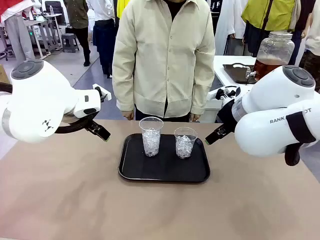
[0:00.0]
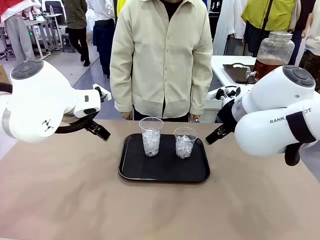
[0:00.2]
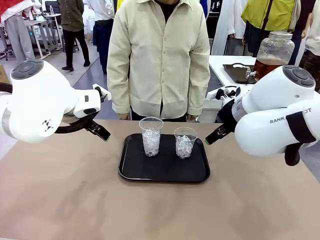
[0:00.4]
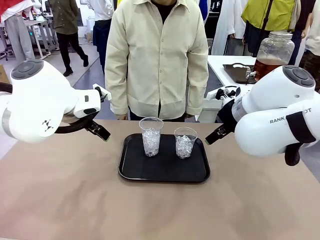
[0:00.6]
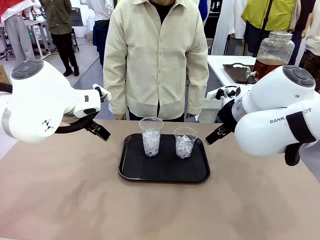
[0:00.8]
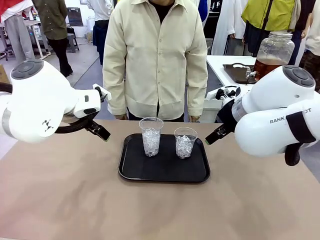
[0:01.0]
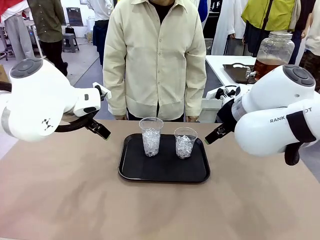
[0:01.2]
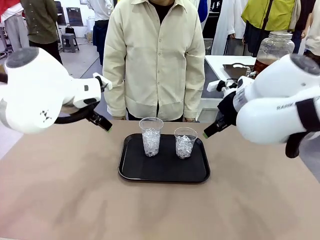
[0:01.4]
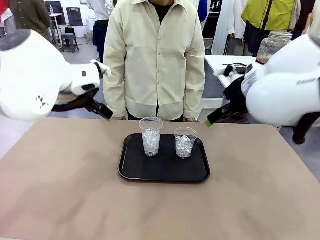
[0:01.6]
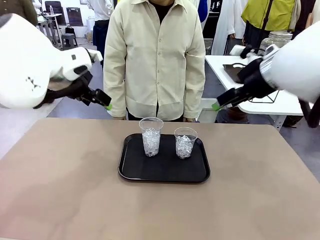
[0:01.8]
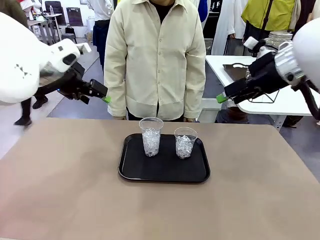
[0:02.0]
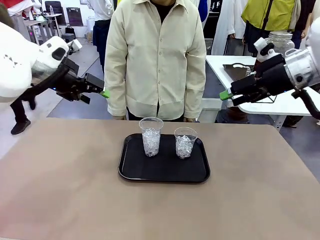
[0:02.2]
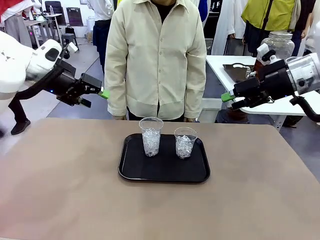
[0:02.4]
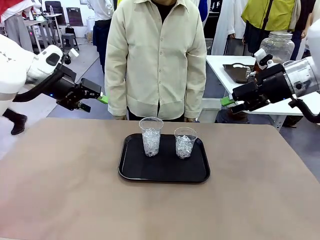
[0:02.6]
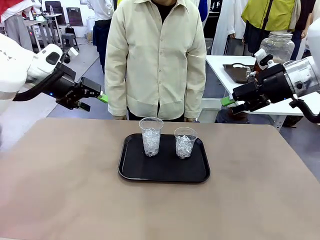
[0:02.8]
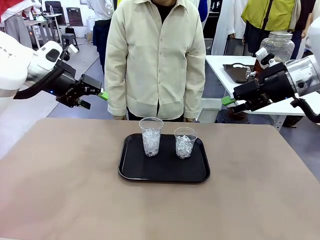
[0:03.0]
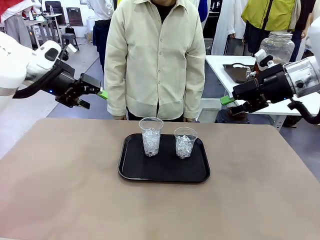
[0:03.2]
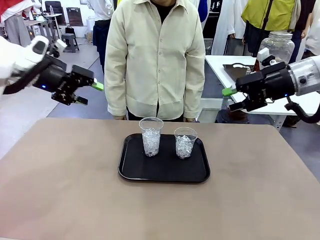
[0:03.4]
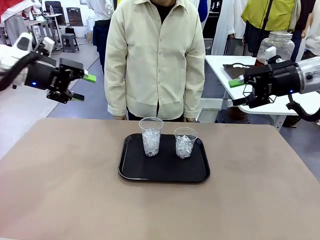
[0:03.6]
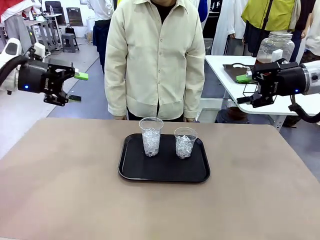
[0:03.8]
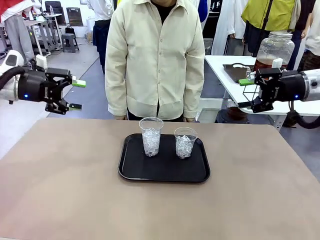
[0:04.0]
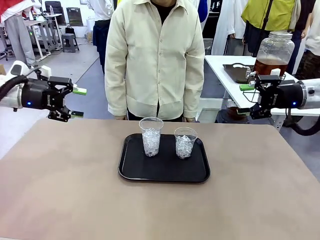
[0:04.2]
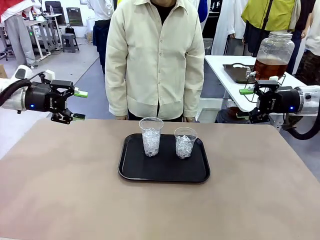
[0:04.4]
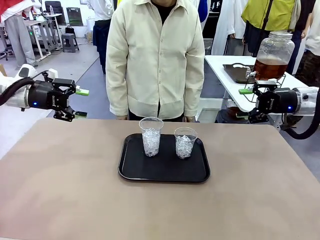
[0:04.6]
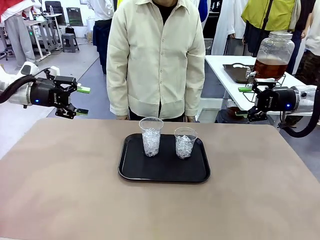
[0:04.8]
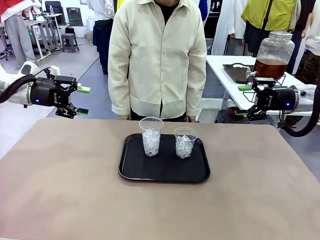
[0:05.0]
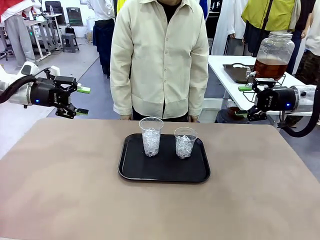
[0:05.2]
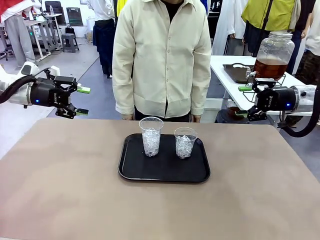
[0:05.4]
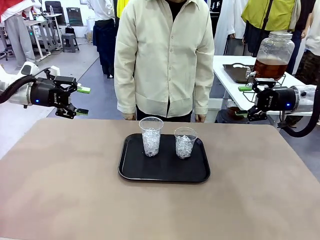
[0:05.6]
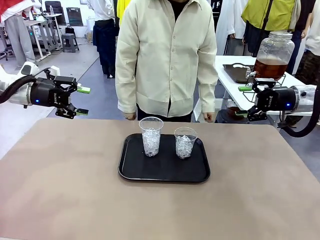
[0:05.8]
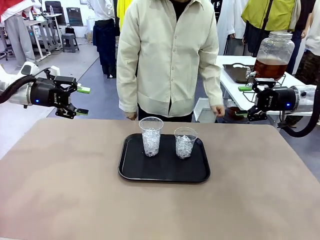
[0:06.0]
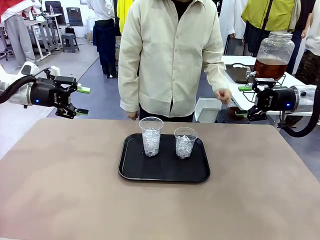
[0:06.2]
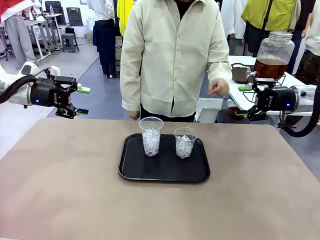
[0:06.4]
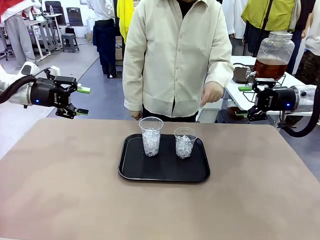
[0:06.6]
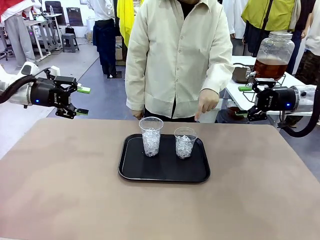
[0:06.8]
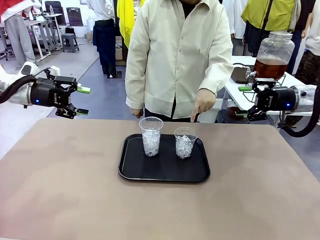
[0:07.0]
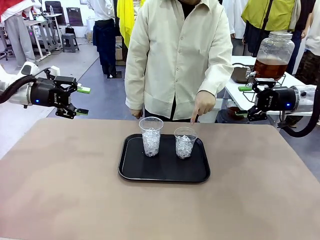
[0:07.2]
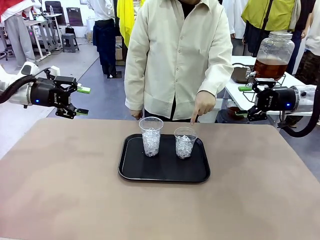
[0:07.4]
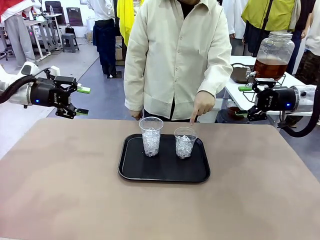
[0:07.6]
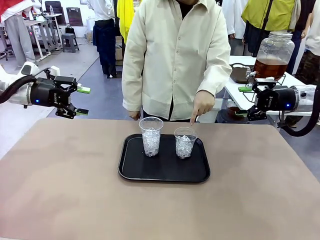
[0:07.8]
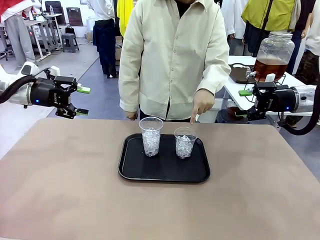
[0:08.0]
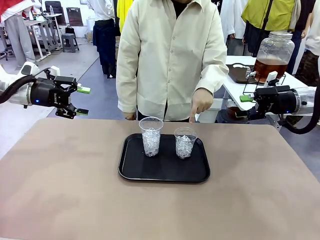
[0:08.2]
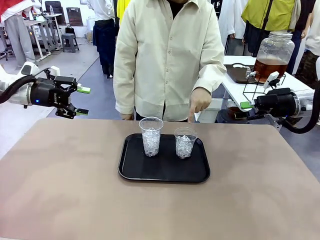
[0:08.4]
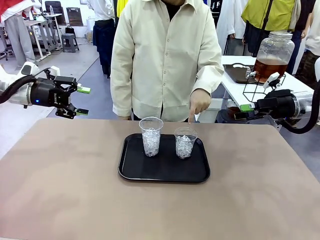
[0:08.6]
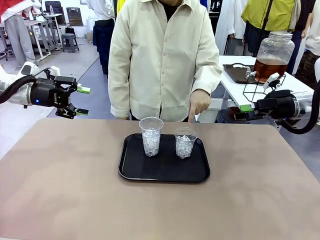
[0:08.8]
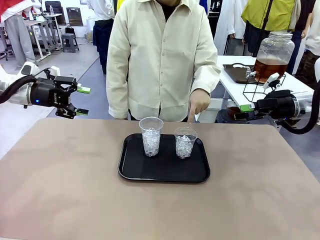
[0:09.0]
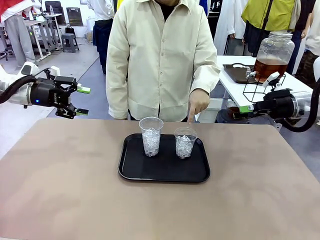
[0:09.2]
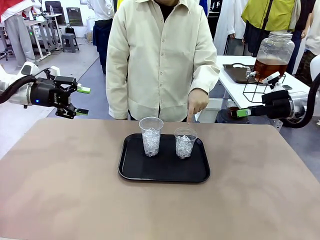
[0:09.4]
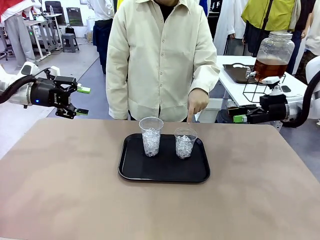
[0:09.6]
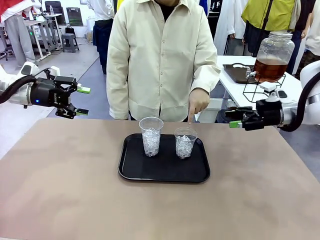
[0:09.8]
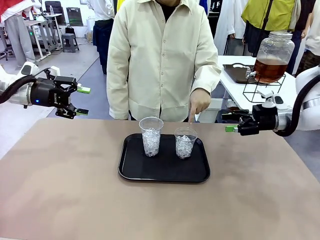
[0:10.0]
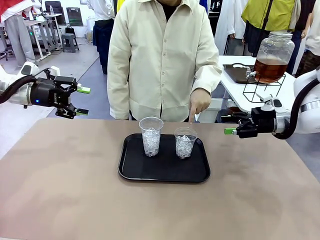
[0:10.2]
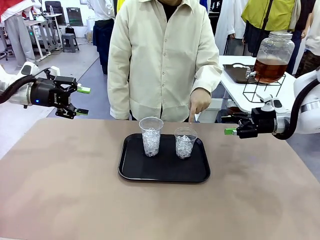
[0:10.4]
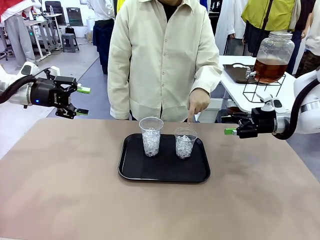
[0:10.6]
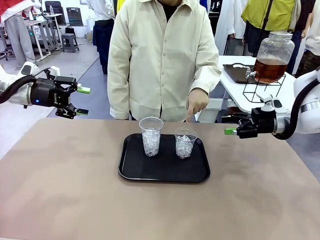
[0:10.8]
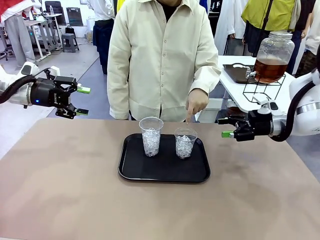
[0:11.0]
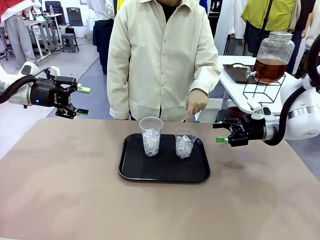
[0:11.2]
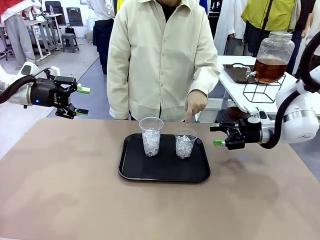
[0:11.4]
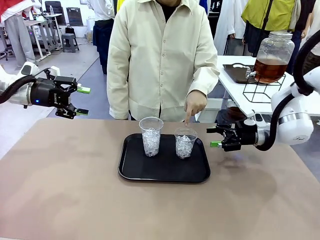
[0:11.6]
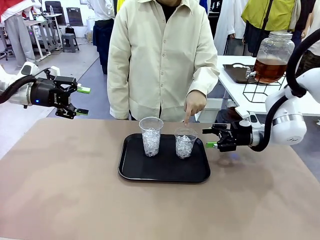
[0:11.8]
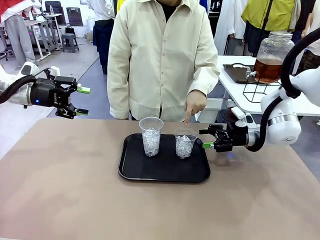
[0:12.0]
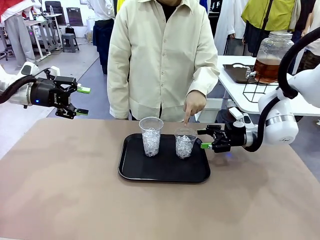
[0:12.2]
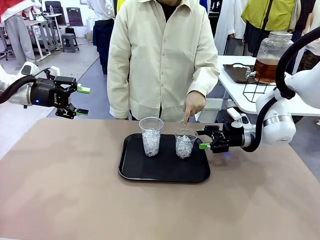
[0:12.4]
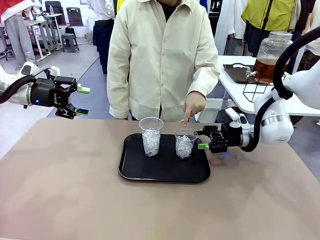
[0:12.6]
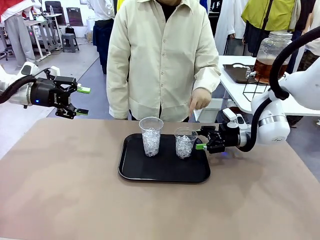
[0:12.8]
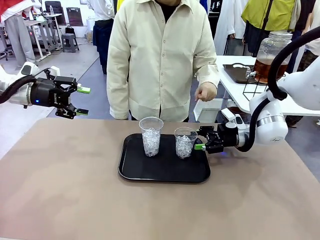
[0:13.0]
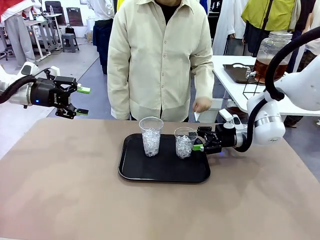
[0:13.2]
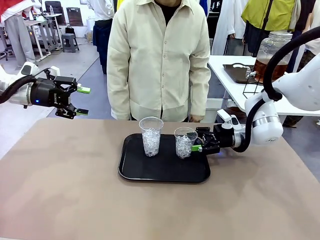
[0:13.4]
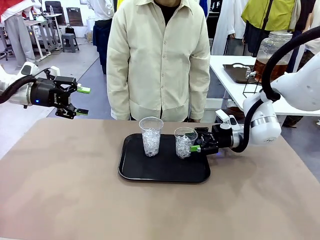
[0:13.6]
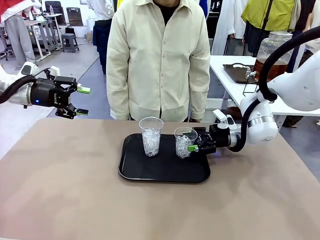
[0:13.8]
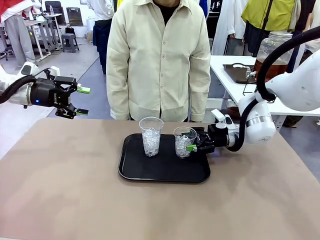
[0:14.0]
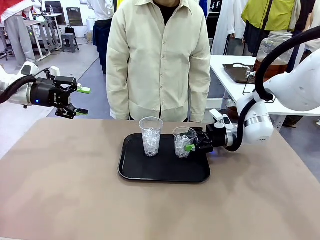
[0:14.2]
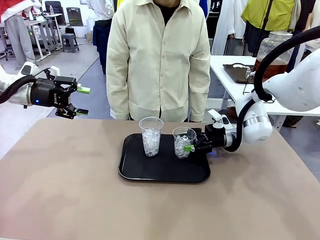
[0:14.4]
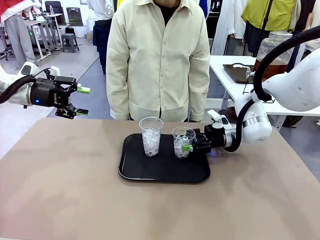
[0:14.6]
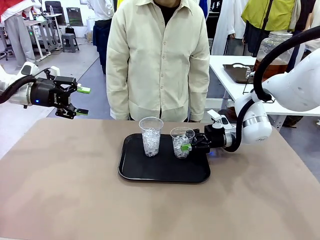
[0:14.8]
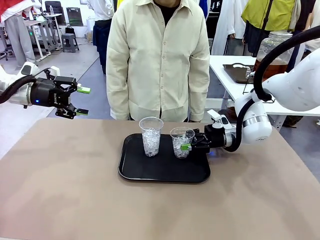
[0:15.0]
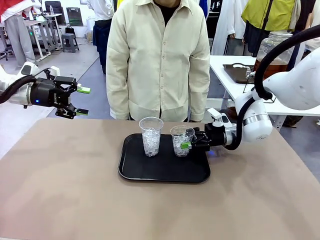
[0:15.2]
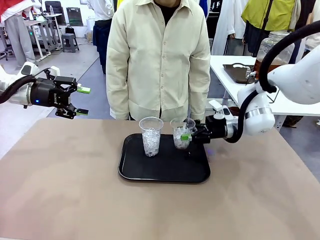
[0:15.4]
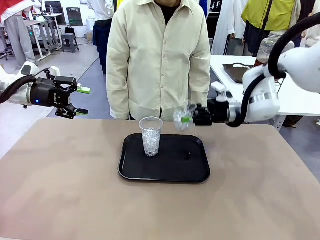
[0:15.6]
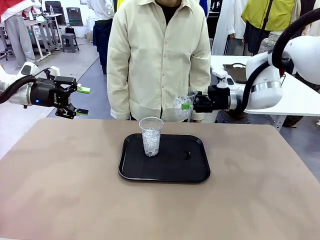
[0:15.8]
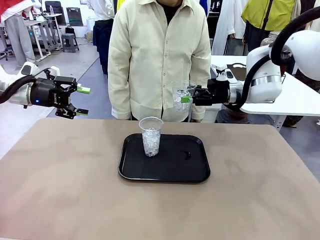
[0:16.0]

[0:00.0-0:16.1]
Task: Pour the drink into the iced cup.
Robot: Pick up the iced cup indicated by the human and present it to them.
Person: Point to one of the two ice cups. Pick up the cup offered by the robot.

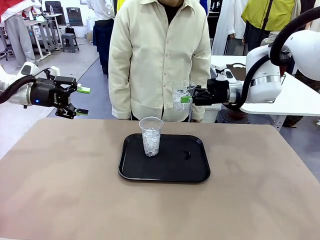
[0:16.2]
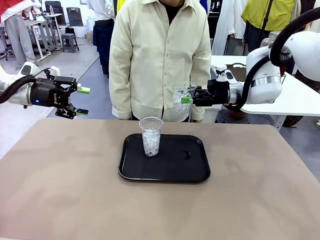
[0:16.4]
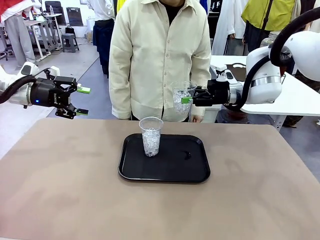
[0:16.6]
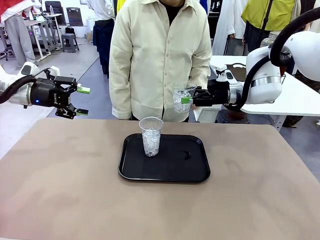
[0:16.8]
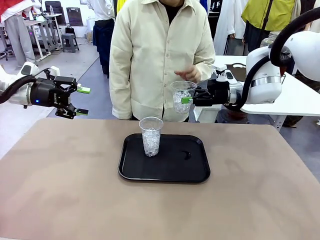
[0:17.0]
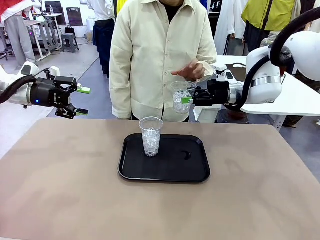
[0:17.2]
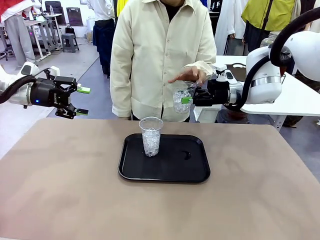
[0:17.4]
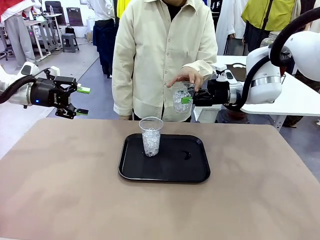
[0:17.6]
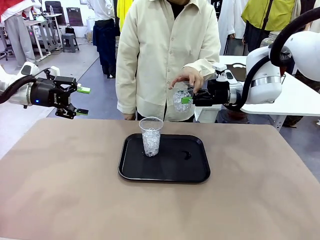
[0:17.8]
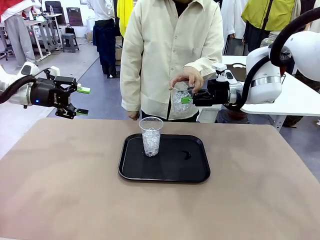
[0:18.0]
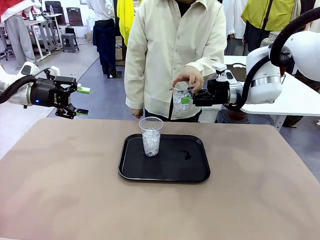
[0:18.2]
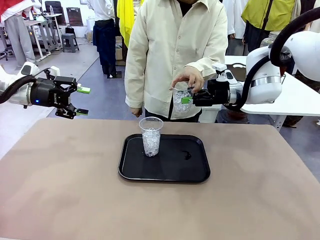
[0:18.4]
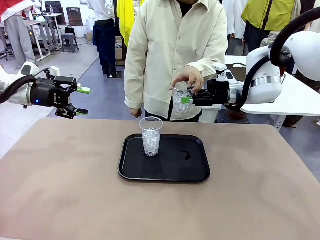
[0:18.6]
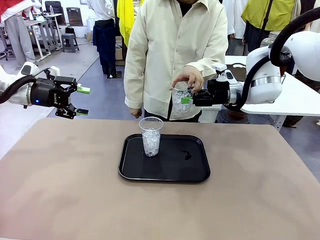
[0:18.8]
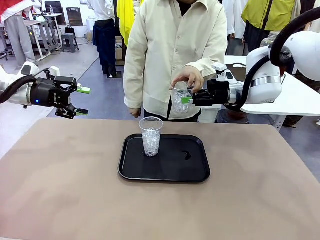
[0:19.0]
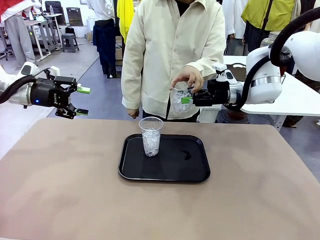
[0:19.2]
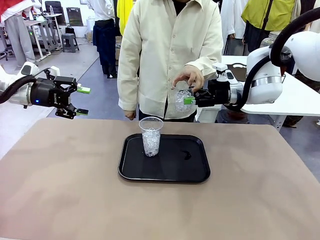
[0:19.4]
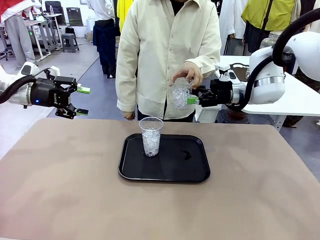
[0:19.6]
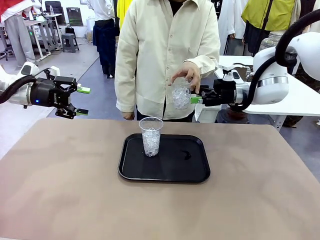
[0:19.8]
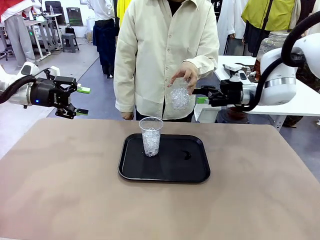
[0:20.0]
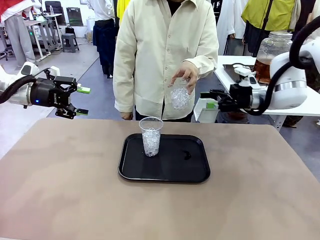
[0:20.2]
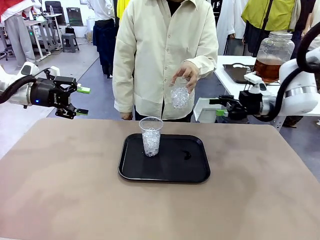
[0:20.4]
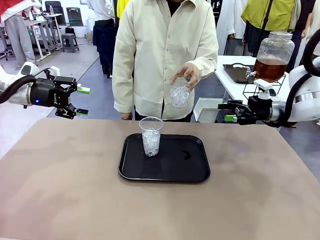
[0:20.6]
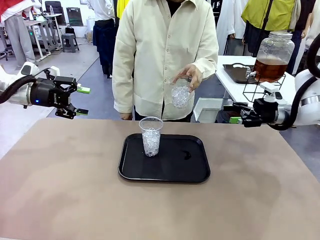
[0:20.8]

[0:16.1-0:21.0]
Robot: Open the gripper to release the iced cup you were holding.
